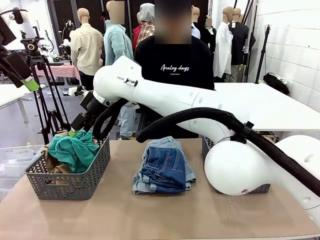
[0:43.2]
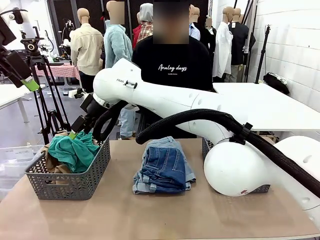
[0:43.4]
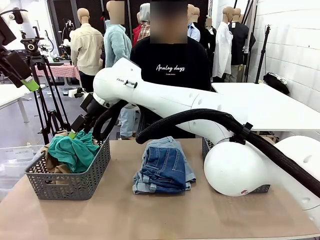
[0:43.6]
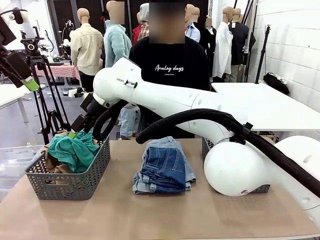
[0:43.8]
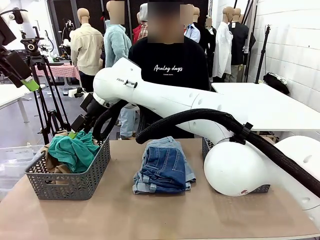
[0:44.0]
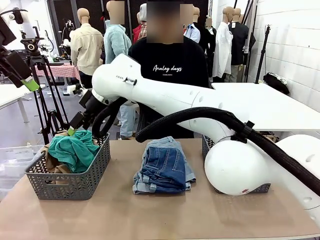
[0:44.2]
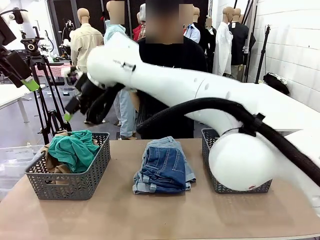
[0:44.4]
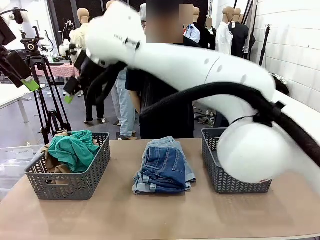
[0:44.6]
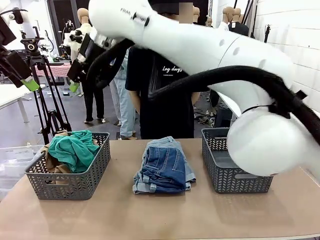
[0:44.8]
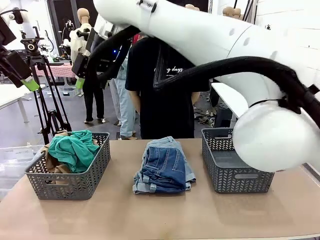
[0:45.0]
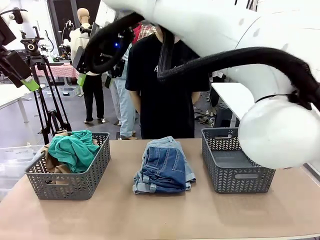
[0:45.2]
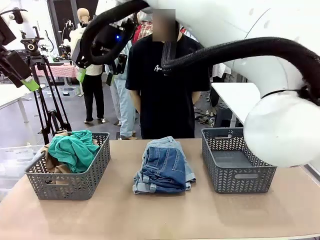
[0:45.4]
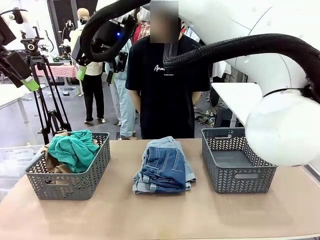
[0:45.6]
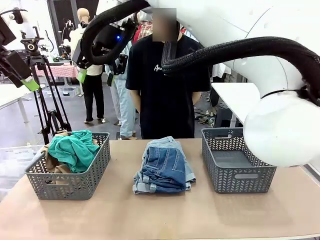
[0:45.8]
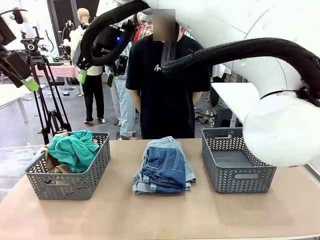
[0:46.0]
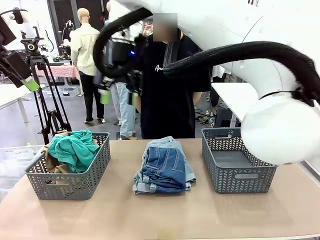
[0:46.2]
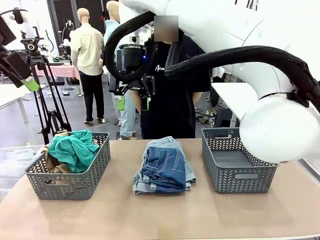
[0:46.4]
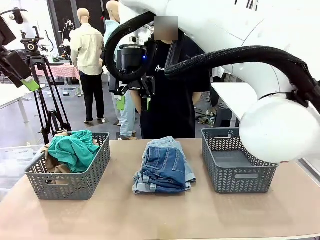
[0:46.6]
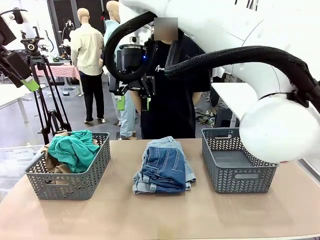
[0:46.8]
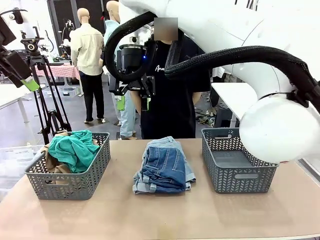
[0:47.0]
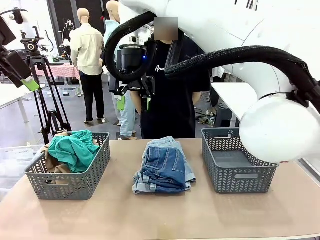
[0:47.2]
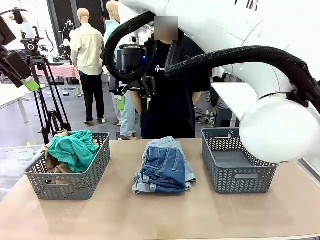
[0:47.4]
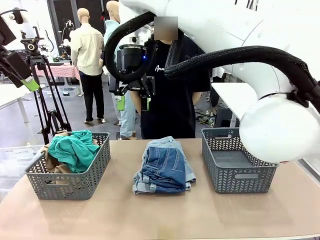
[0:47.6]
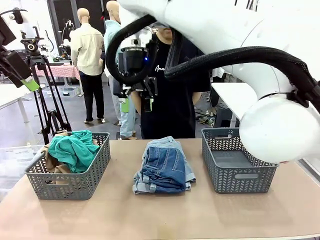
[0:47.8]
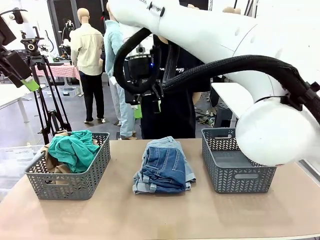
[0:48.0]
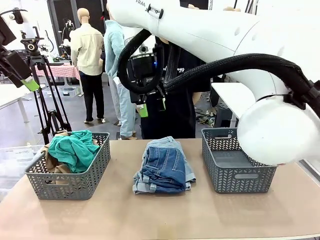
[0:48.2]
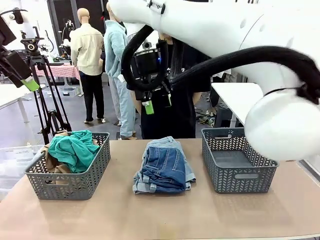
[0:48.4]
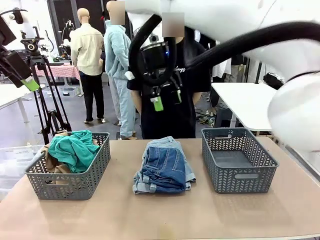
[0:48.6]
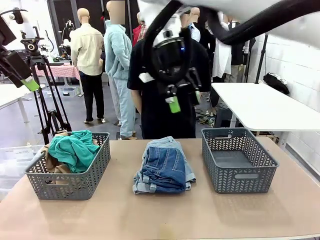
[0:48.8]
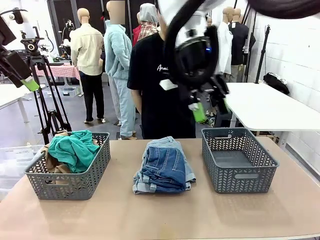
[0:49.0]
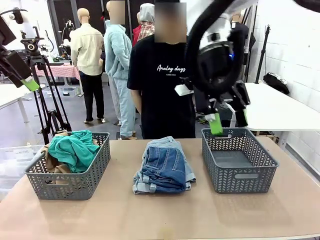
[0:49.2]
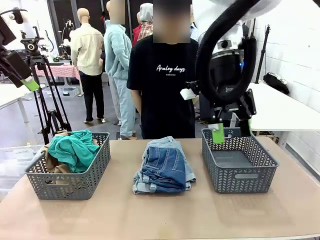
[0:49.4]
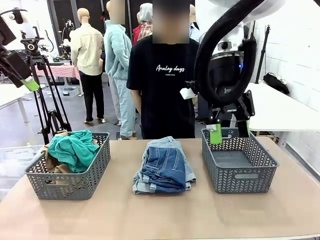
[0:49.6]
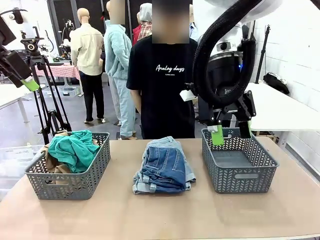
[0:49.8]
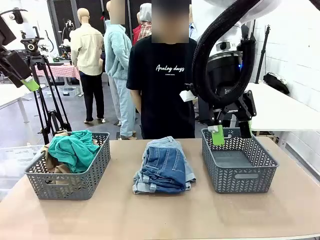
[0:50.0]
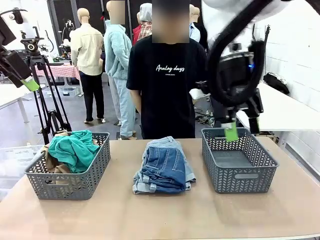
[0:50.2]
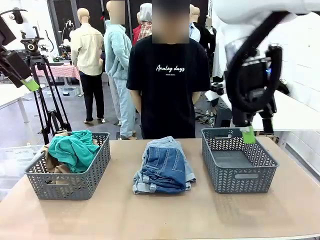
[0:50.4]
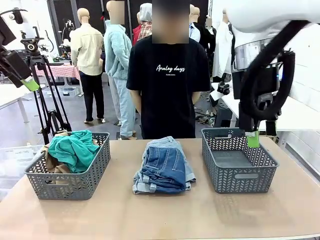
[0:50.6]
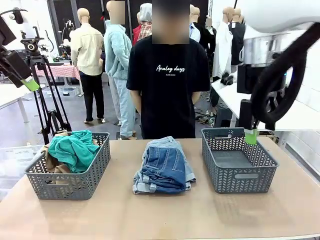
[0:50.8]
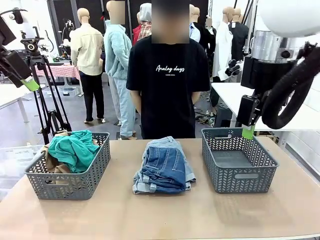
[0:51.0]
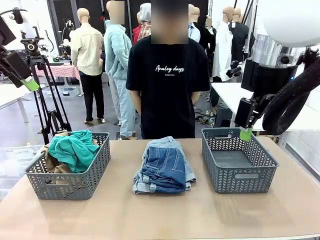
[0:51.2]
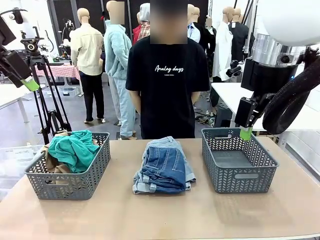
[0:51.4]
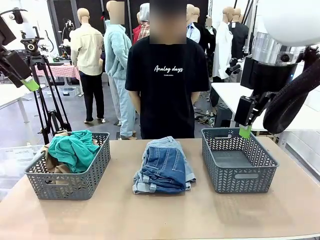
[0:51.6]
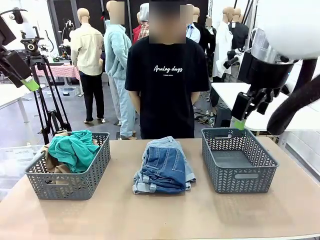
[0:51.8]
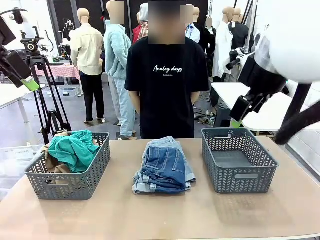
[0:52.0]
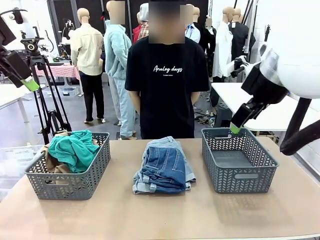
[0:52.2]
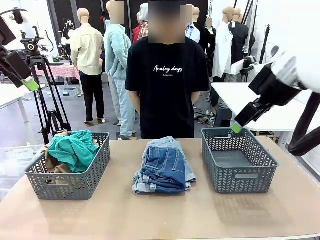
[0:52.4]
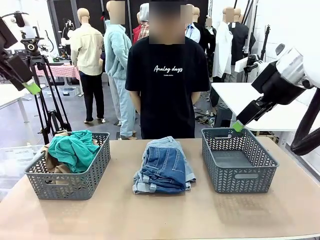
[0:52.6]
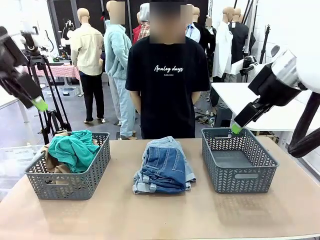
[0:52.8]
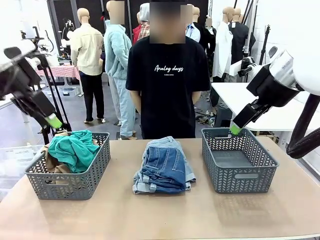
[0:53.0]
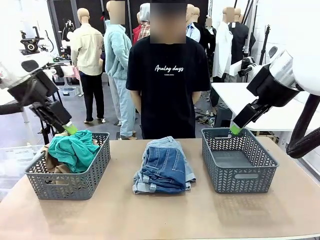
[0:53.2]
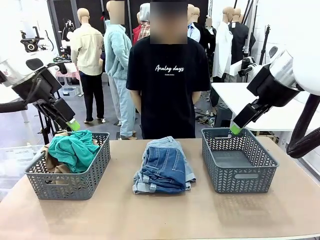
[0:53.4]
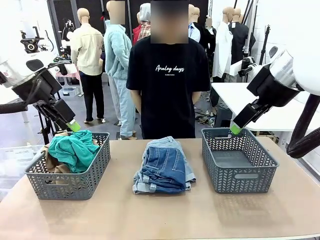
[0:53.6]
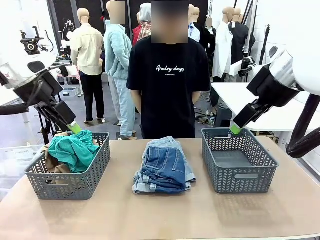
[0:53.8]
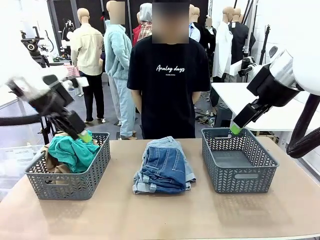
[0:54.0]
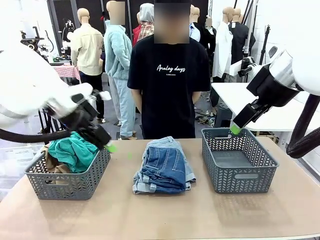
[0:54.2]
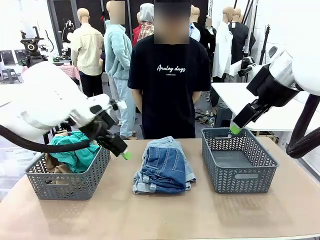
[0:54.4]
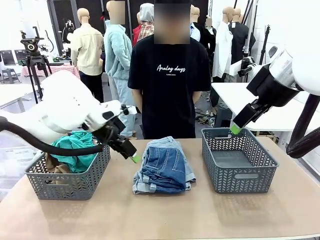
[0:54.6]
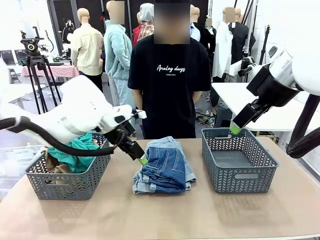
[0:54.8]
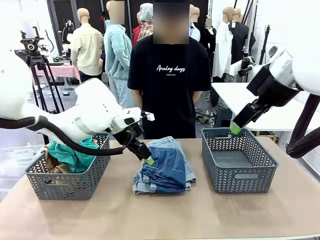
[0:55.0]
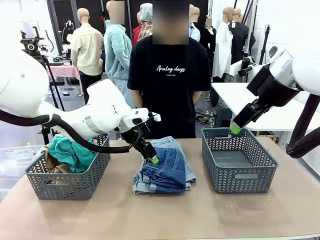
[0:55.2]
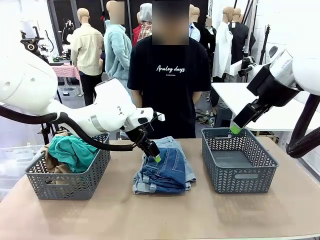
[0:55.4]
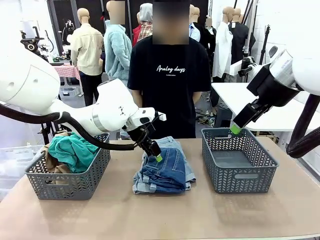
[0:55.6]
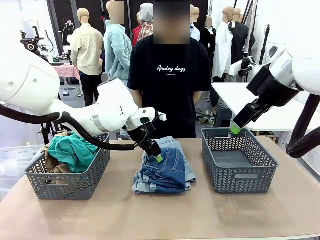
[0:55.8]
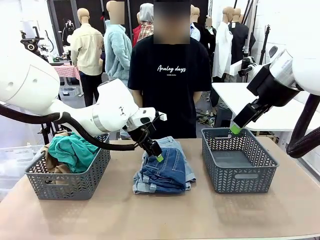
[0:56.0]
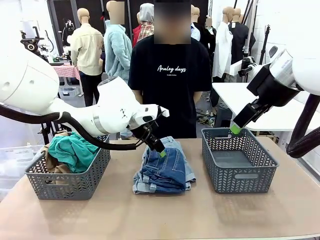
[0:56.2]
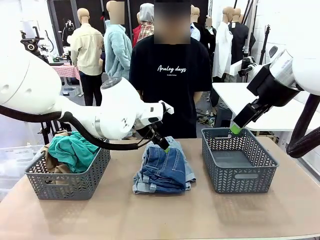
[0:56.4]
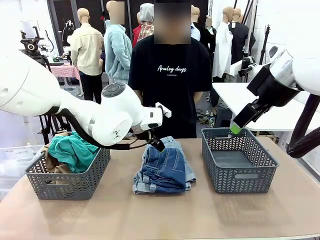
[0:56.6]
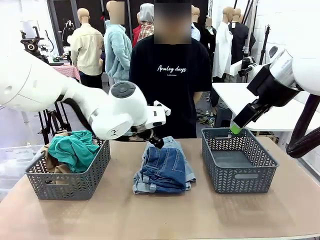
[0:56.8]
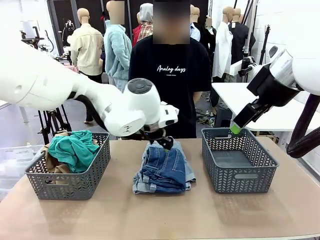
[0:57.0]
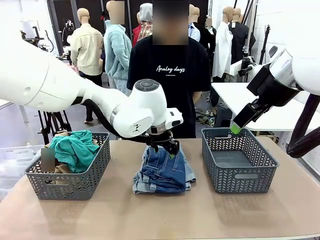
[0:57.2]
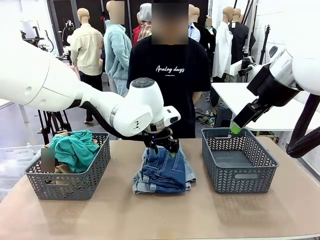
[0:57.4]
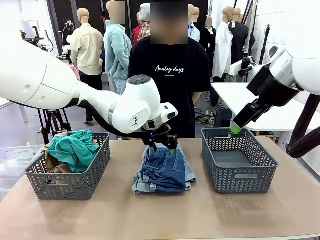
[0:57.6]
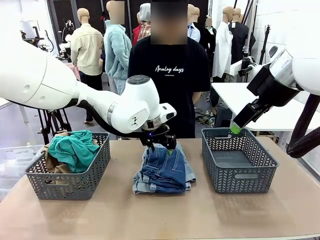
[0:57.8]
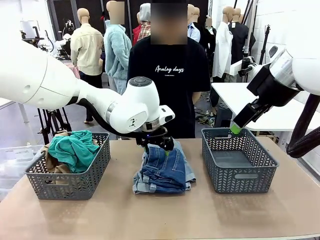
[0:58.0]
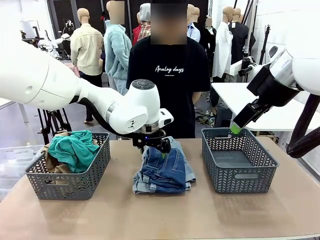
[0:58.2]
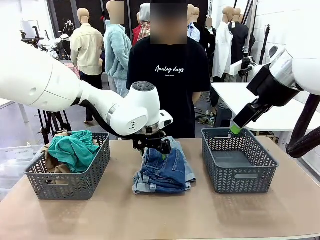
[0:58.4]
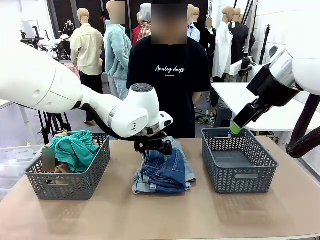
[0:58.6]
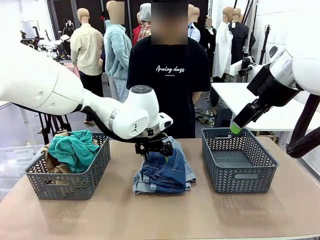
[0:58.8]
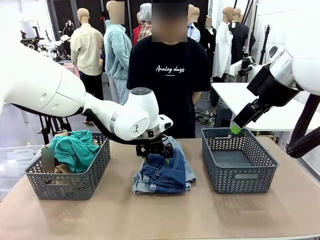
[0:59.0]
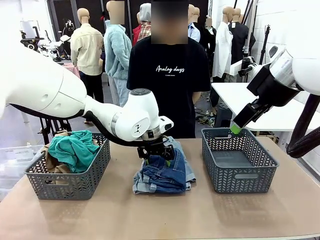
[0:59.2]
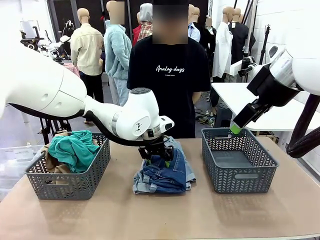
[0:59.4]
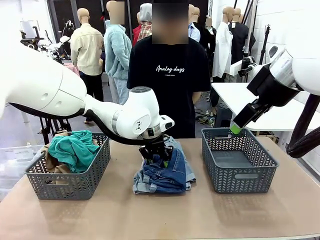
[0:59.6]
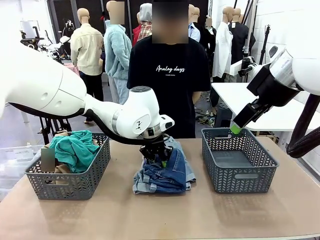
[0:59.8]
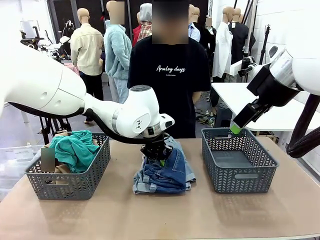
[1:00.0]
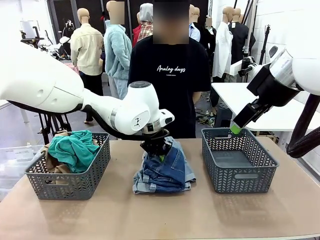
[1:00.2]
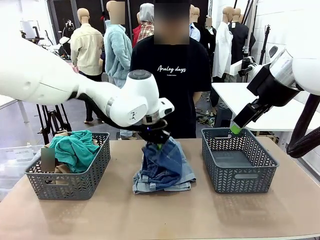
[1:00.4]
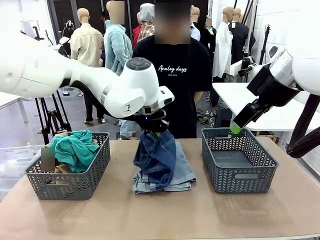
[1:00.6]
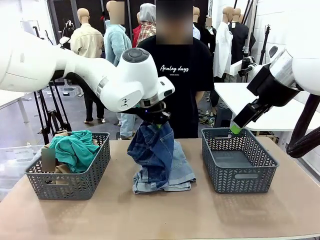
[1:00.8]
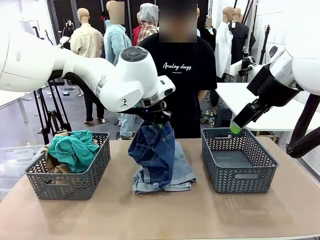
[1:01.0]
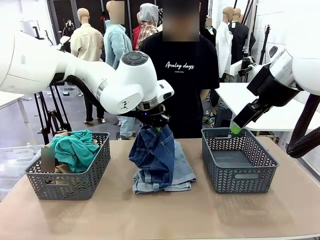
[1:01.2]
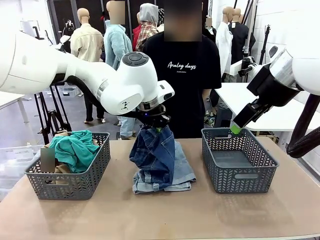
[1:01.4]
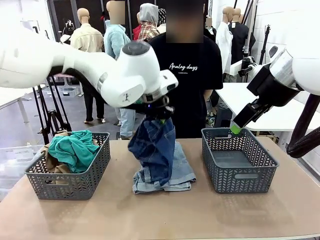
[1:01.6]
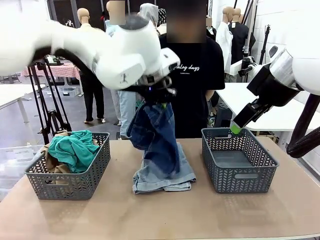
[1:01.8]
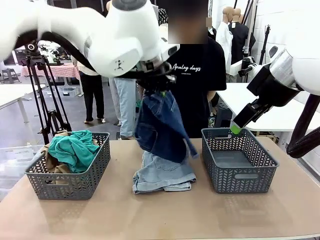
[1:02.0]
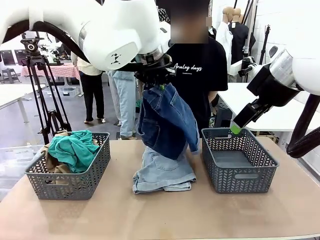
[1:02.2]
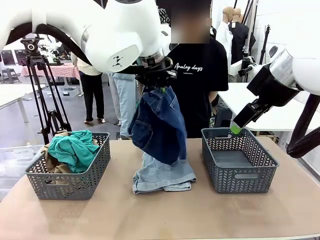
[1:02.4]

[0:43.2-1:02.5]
Task: Sort the tops and bottoms.
Robot: Lift clothes from the center of the table with your left hand.
